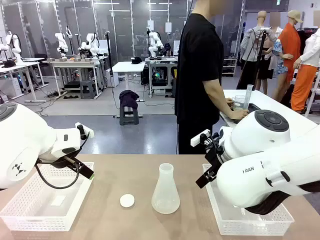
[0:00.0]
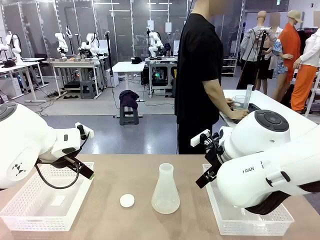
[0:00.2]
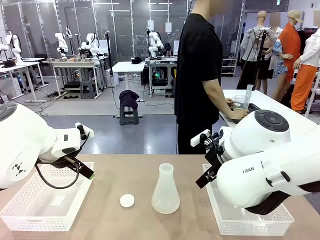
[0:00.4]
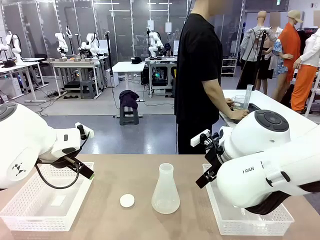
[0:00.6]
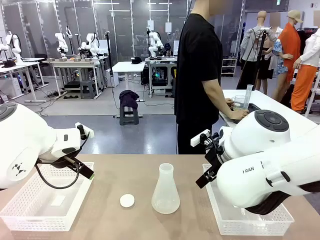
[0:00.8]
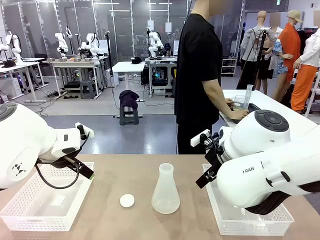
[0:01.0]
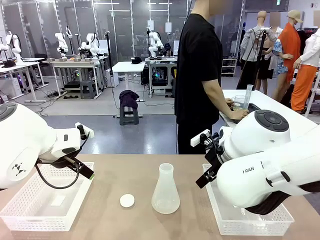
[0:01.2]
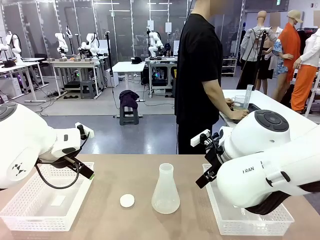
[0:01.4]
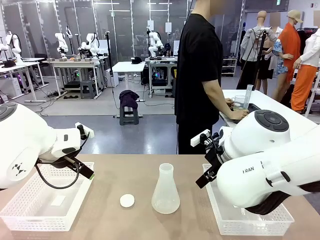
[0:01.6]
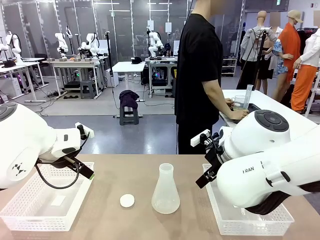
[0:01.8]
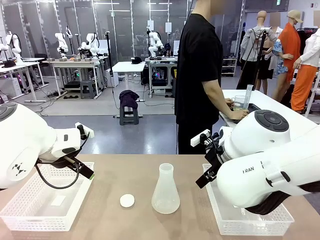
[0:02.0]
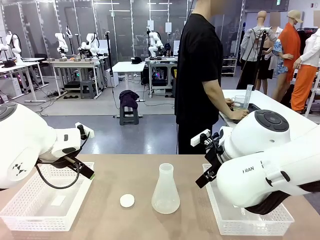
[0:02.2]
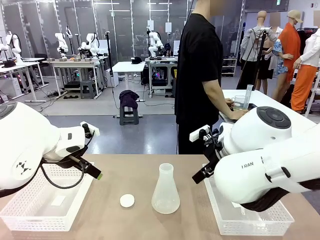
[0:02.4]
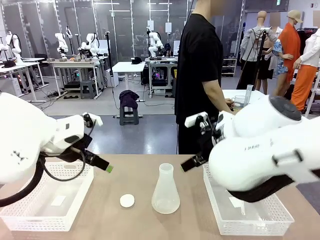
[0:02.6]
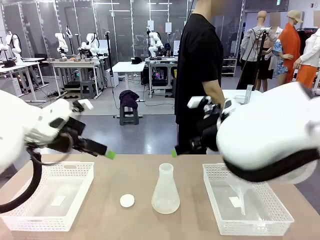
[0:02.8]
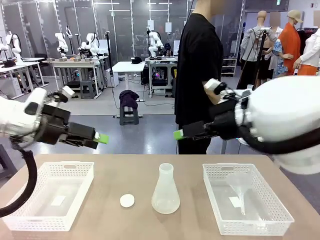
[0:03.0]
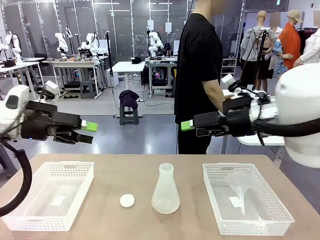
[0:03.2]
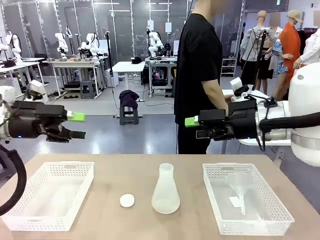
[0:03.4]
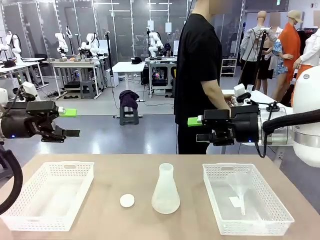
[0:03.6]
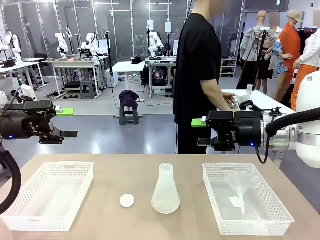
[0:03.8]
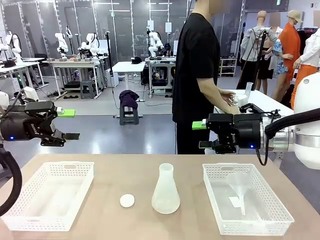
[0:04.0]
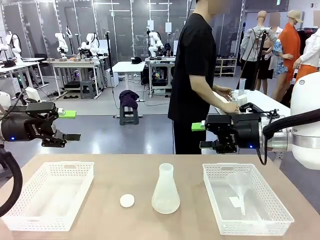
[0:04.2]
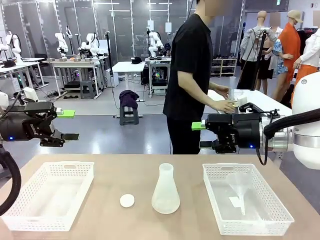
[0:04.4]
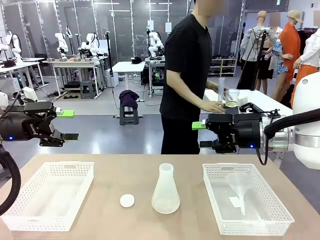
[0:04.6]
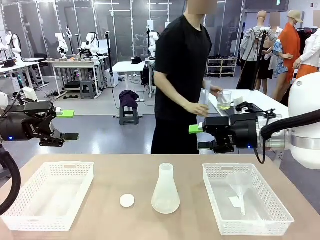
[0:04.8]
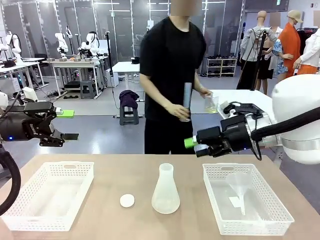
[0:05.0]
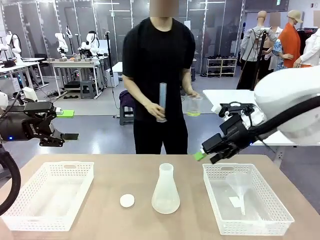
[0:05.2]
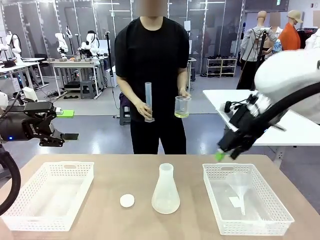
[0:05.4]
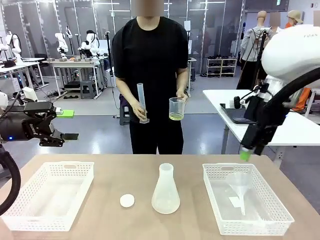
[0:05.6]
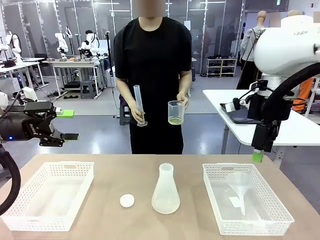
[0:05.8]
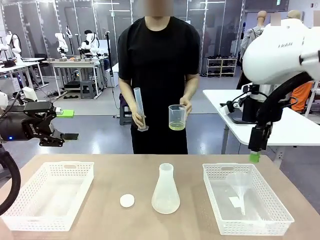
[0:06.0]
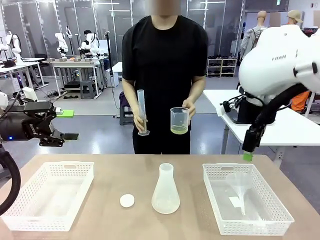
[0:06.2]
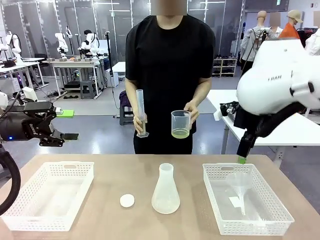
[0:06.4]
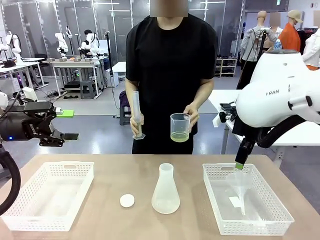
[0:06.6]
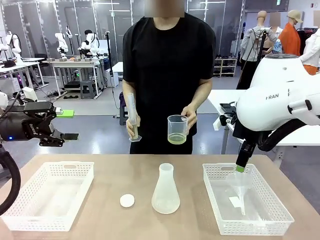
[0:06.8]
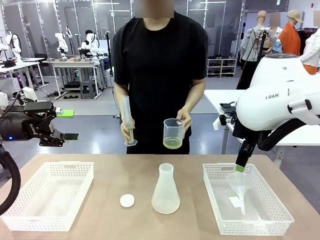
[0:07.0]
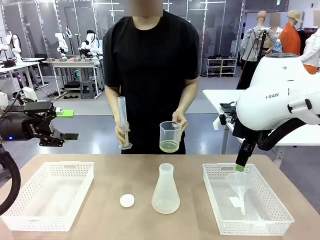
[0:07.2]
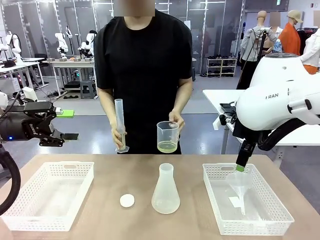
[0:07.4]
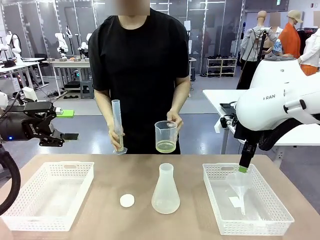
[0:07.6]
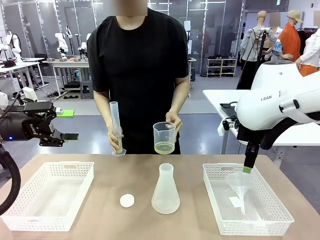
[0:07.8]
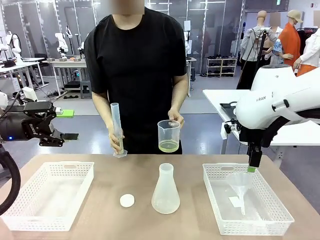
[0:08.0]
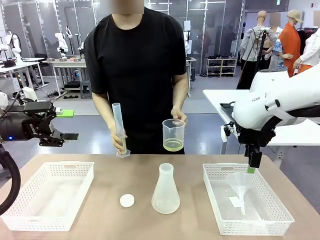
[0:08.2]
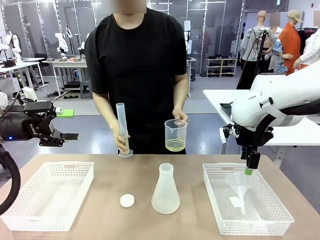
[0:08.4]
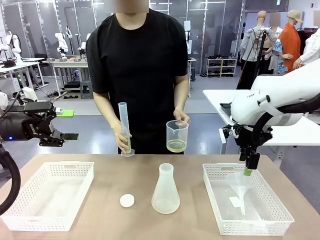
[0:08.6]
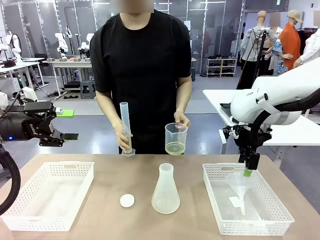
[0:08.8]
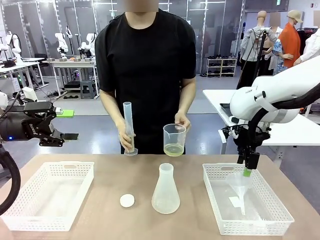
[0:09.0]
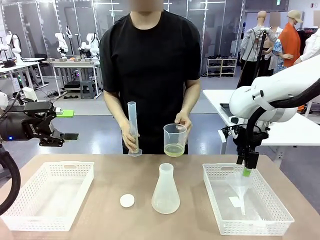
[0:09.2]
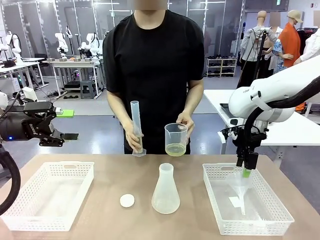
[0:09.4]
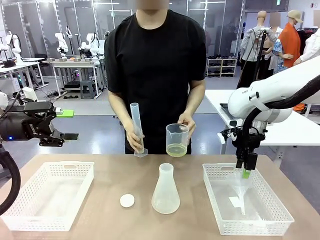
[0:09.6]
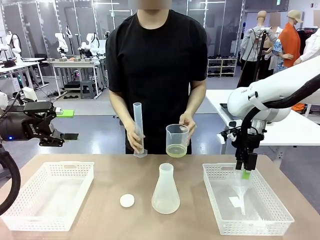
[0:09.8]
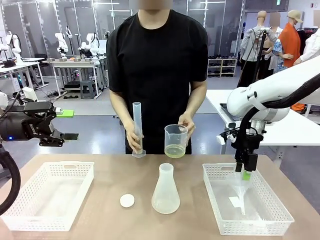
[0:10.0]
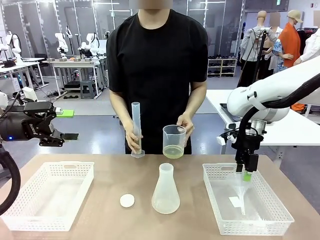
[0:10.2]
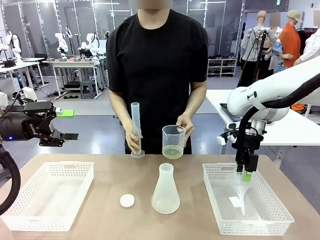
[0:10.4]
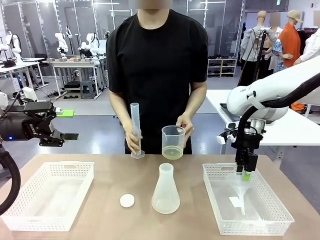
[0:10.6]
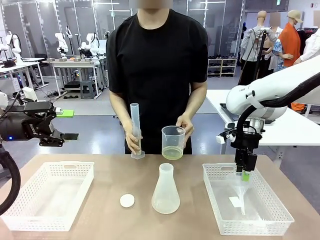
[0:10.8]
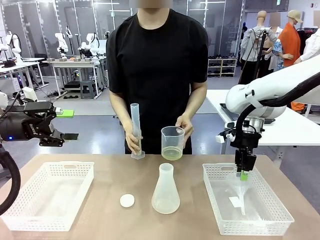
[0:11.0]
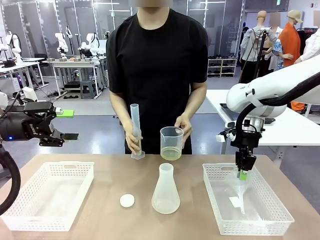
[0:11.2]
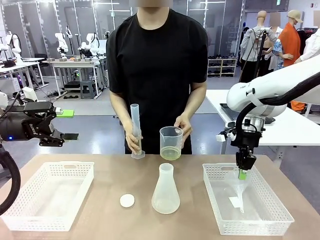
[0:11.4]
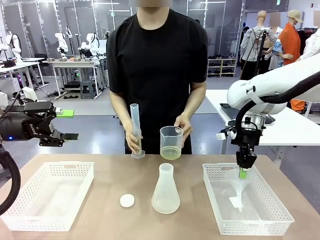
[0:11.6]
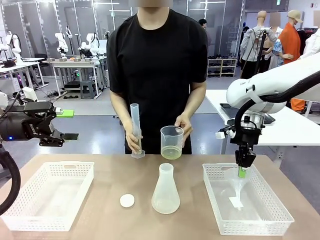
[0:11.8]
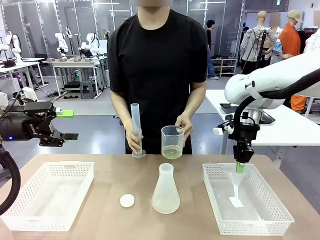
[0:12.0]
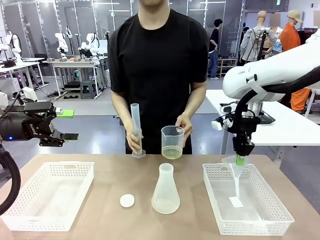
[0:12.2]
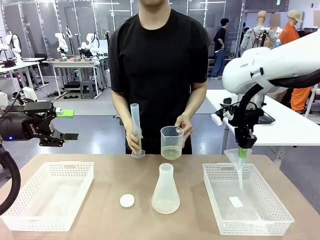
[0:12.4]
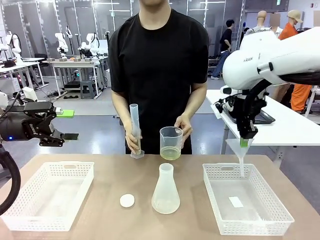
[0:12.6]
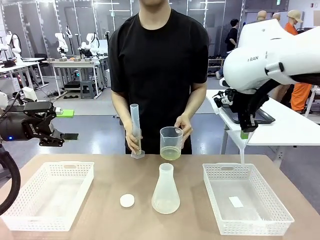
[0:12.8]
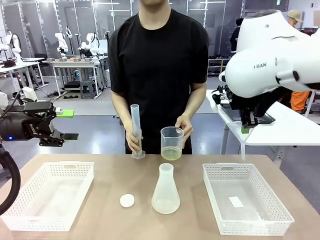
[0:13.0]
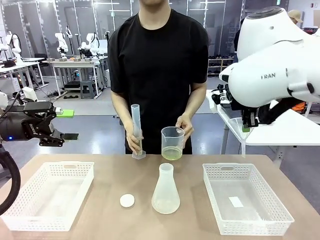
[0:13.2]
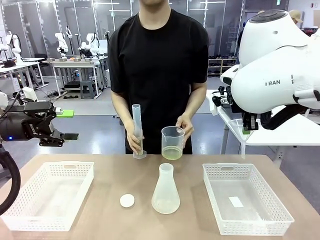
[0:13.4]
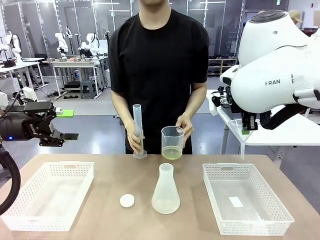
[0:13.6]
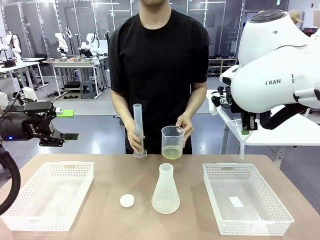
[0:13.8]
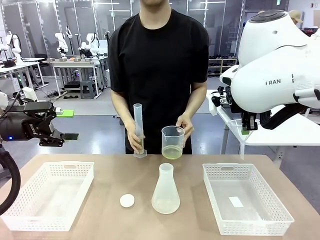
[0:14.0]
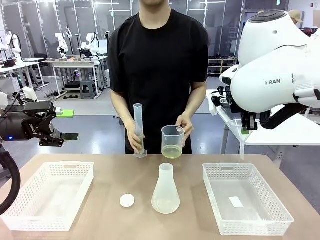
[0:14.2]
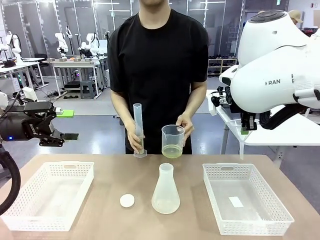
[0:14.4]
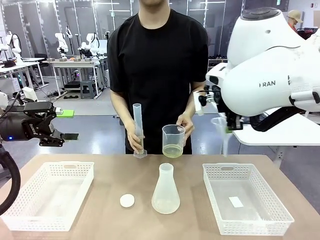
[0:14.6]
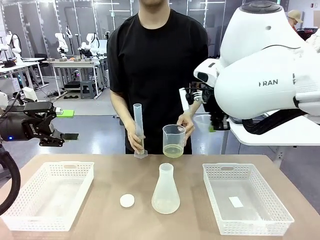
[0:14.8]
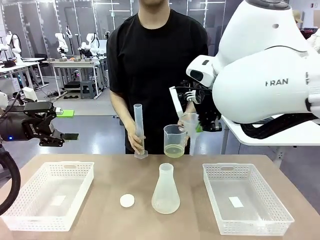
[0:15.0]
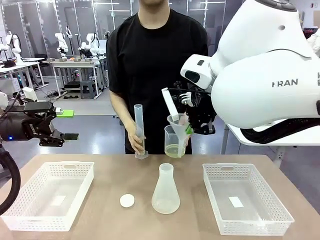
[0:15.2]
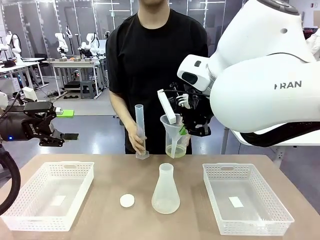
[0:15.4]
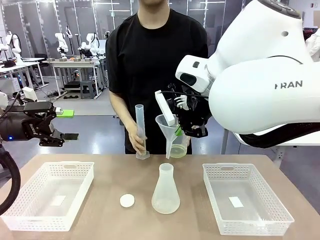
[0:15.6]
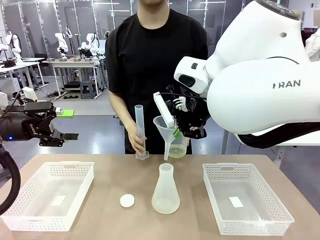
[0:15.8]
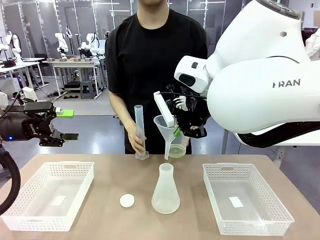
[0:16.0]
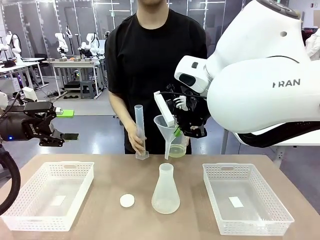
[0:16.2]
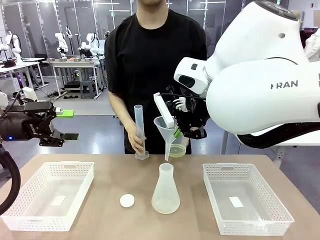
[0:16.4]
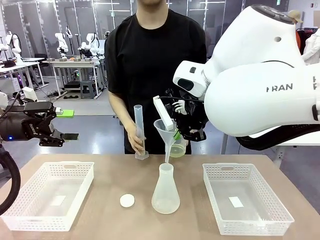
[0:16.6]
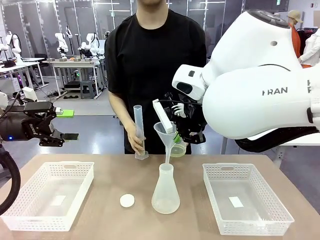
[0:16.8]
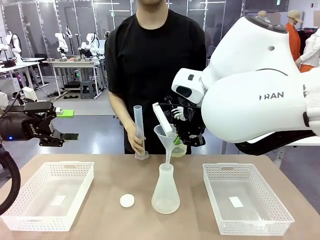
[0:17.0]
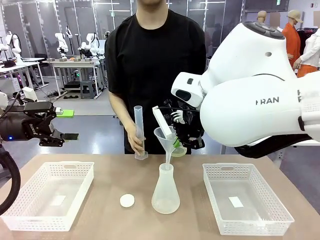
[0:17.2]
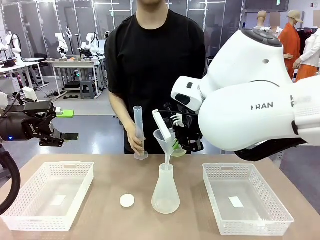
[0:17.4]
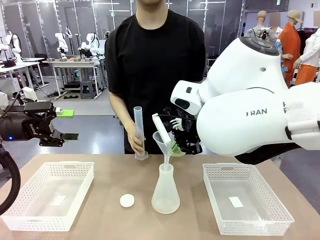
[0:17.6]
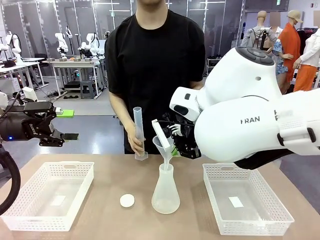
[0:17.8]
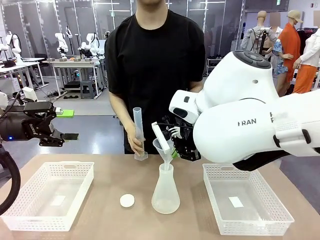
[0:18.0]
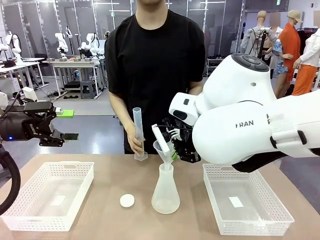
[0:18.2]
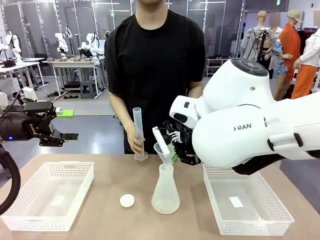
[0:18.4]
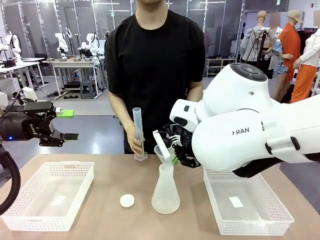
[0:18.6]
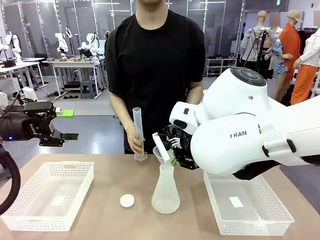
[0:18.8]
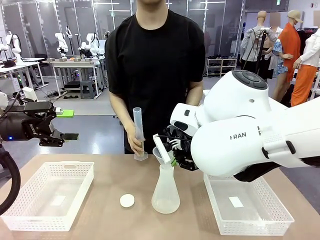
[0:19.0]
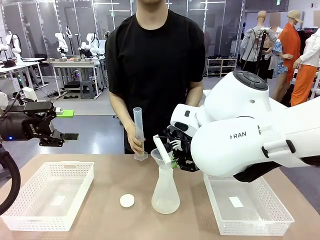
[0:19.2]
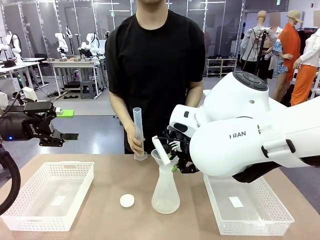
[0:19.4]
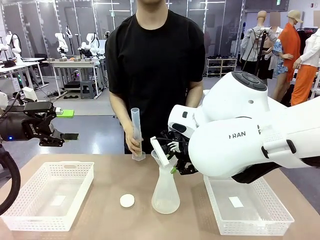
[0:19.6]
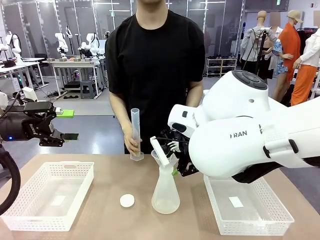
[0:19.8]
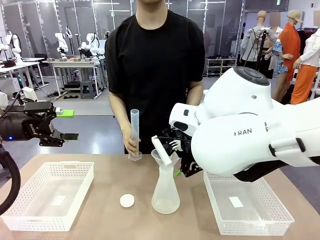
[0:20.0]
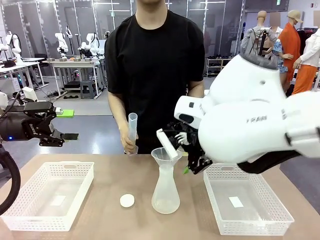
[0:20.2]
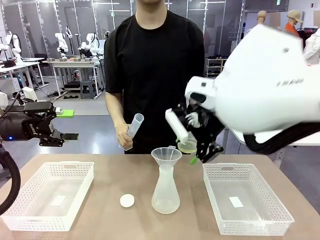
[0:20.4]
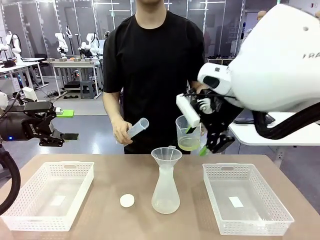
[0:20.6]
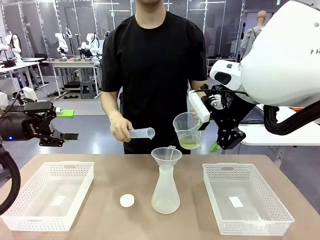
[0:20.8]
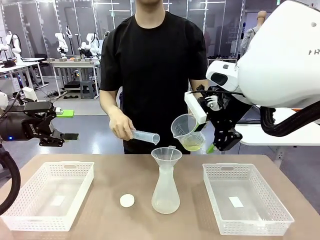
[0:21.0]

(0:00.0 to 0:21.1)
Task: Prepare the solutions needed for the experiment.
Robot: Pick up the Plastic Funnel and insert it into the Big flask.
Person: Pick up the beaker and the cylinder and move to the middle of the robot table. Pour the solution from the beaker and the cylinder into the flask.
